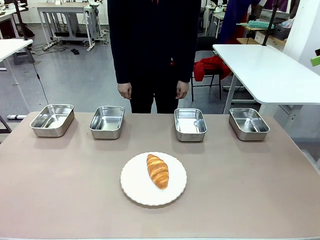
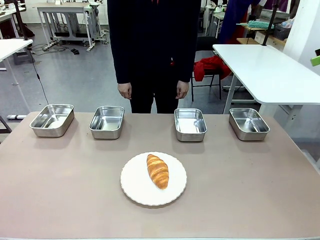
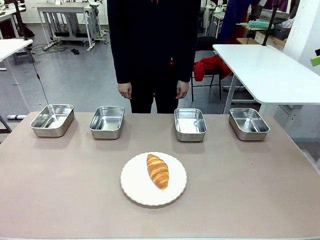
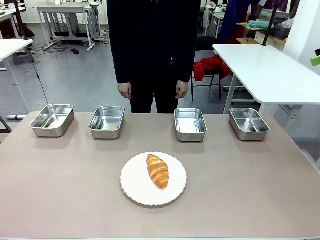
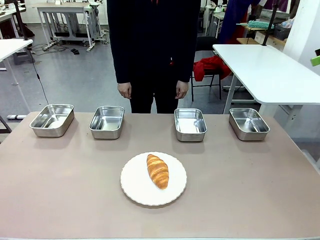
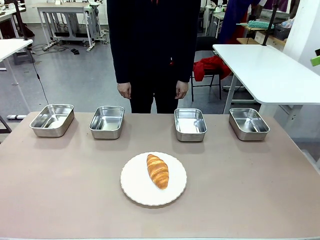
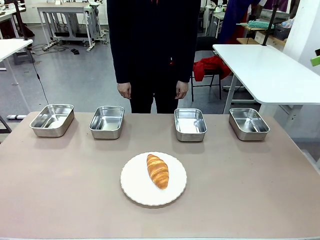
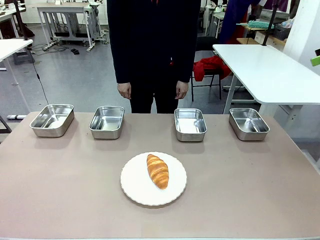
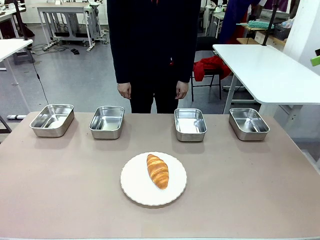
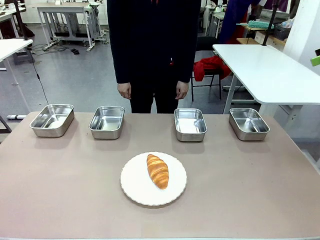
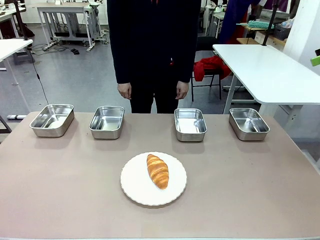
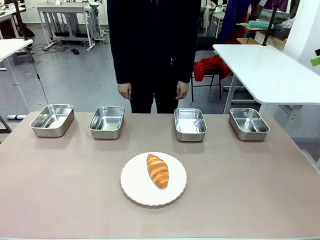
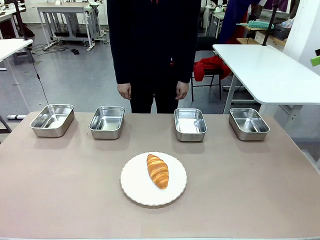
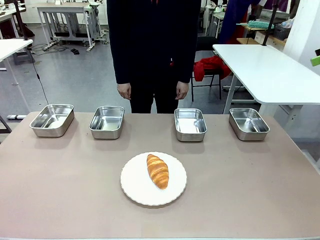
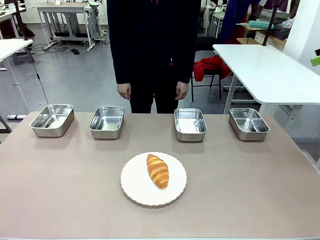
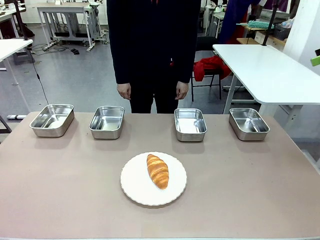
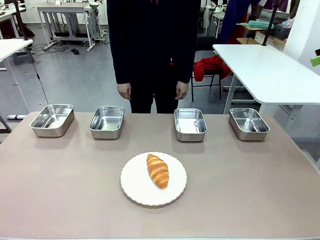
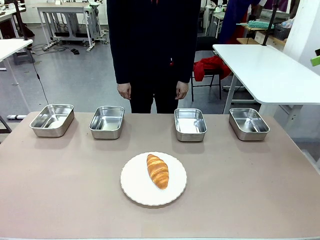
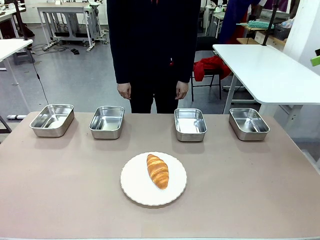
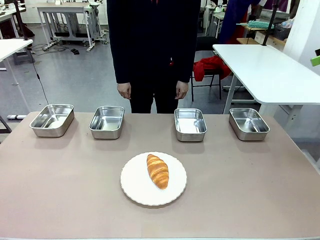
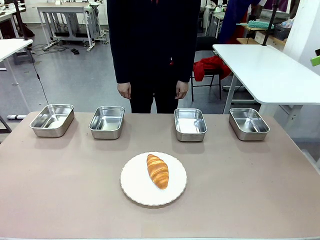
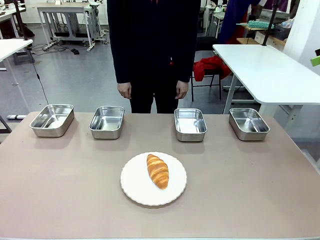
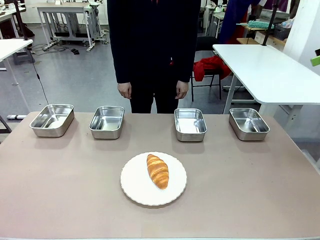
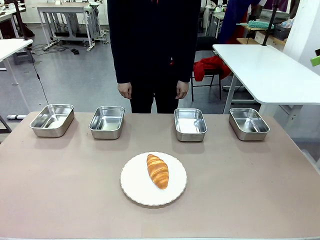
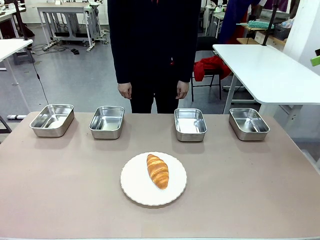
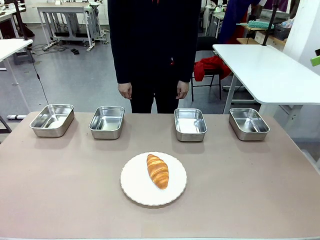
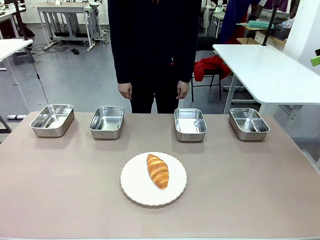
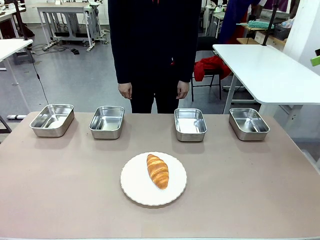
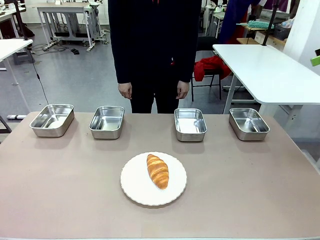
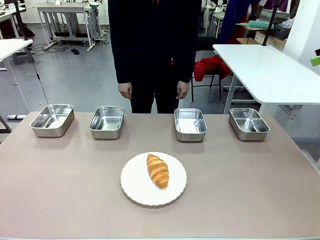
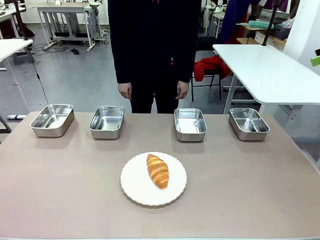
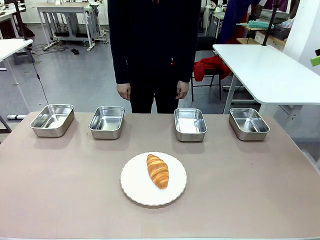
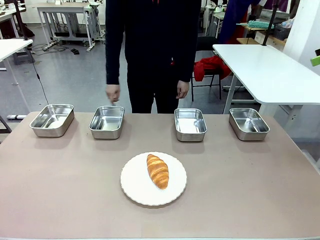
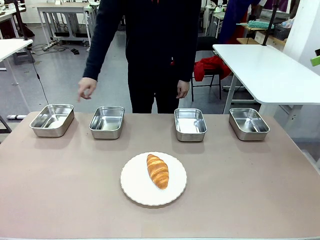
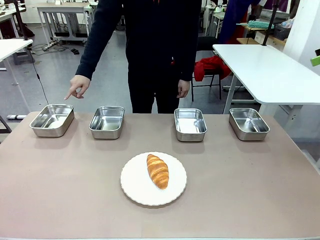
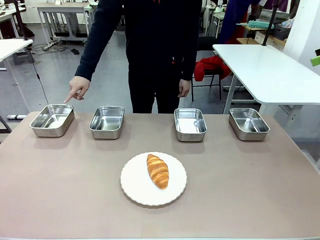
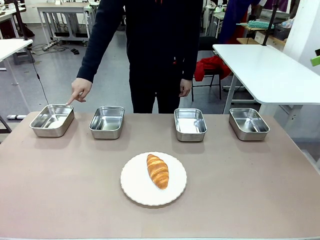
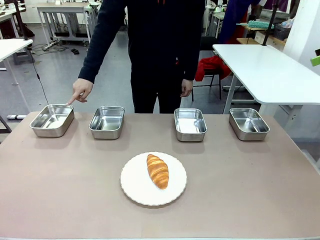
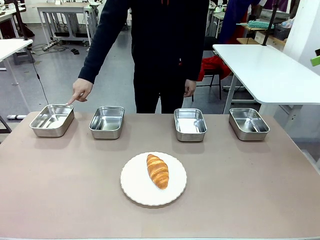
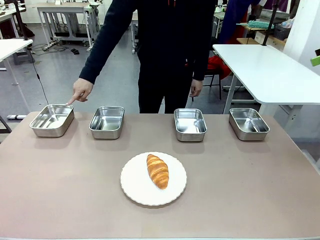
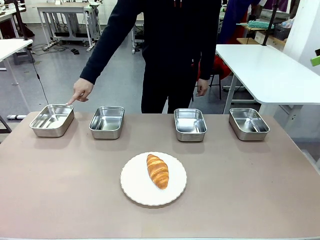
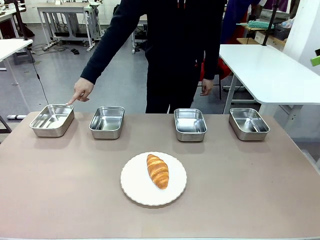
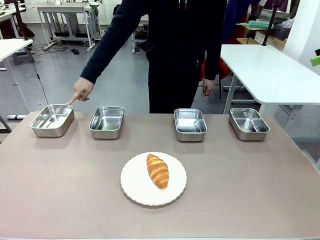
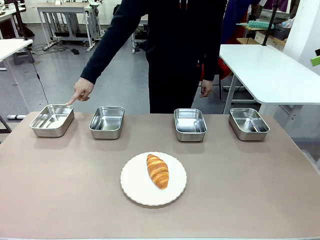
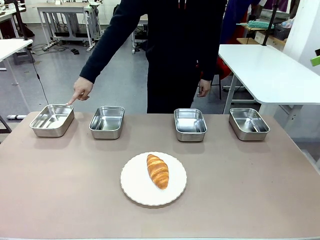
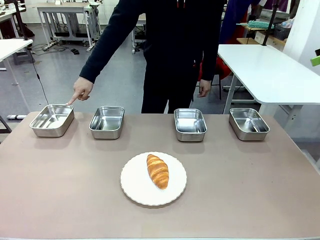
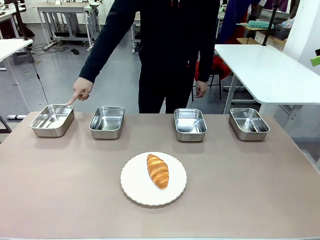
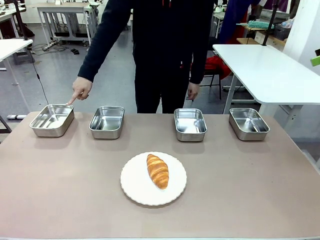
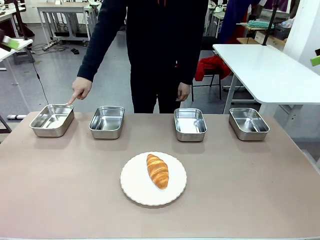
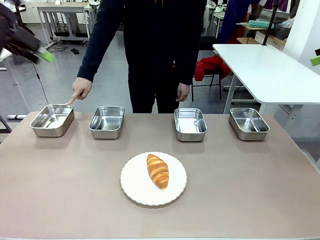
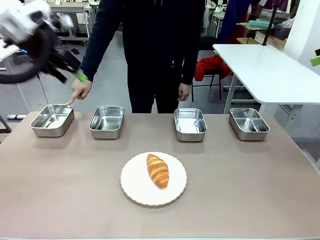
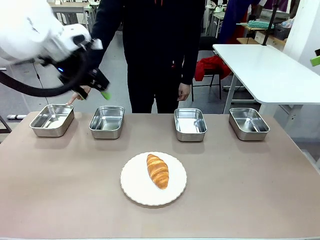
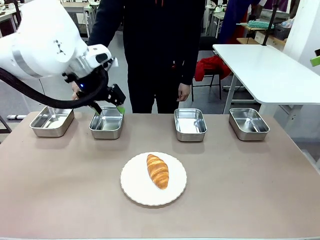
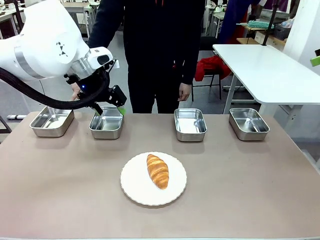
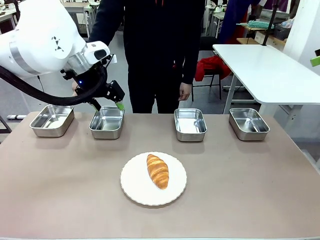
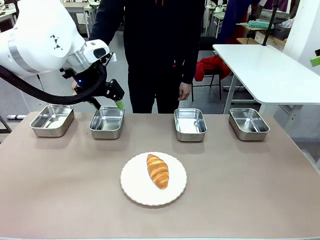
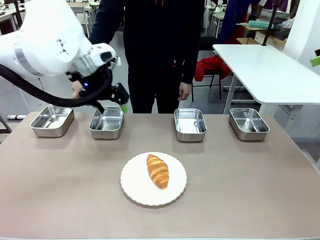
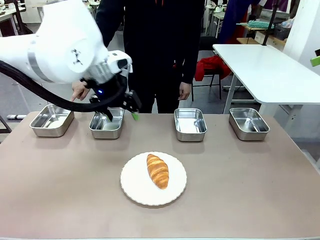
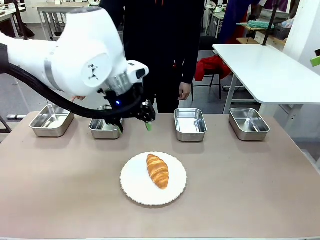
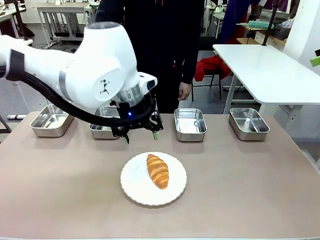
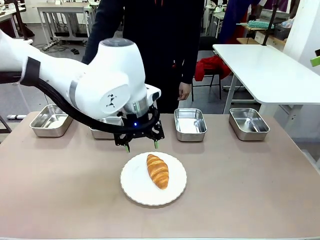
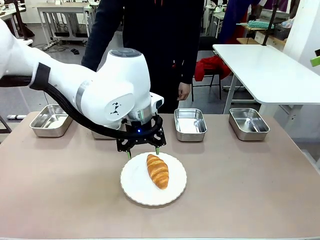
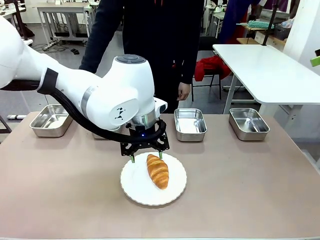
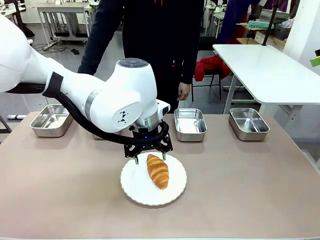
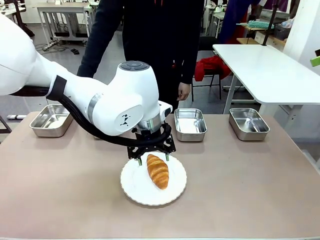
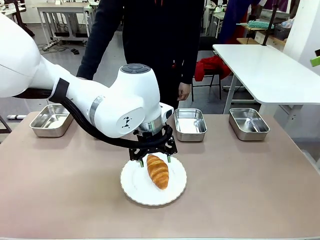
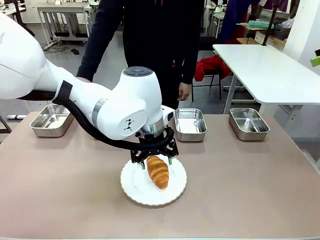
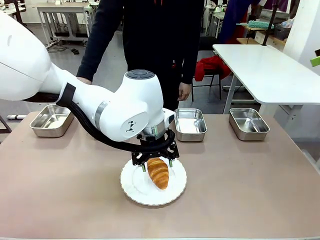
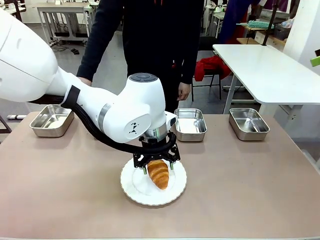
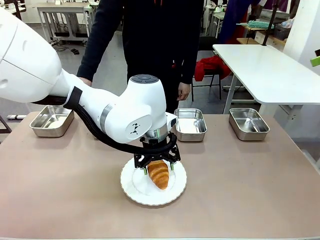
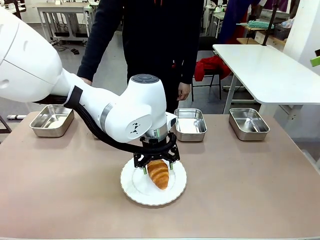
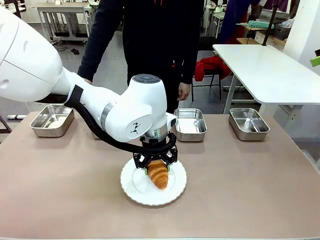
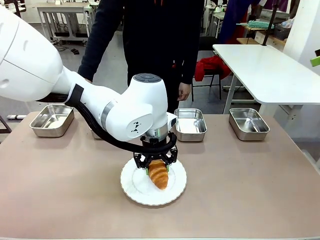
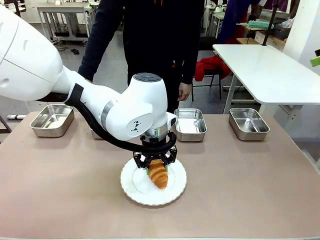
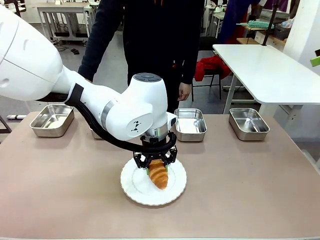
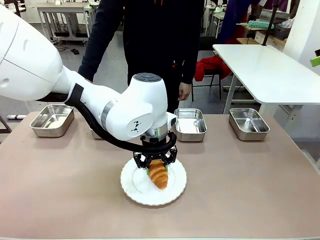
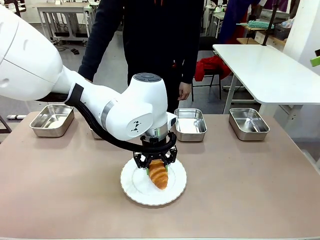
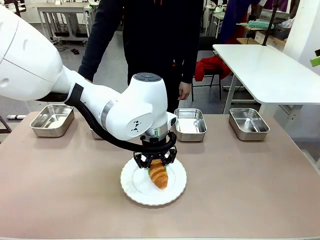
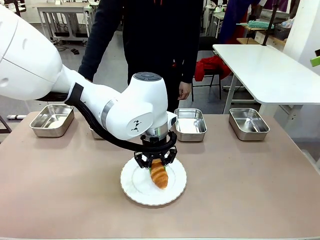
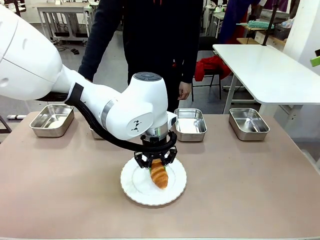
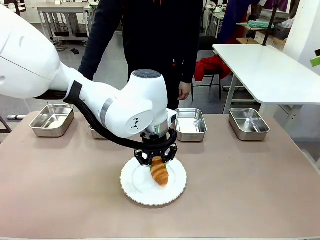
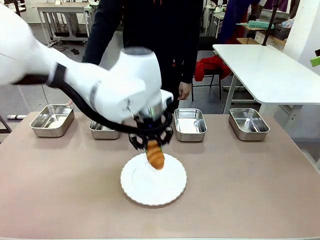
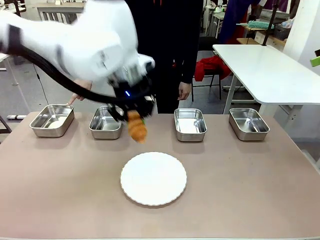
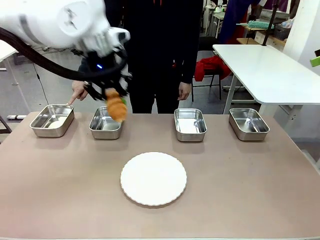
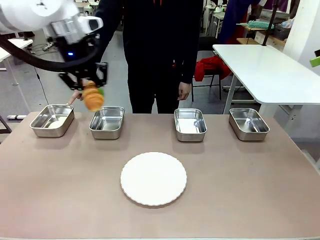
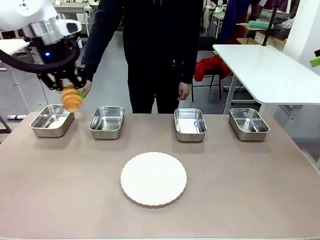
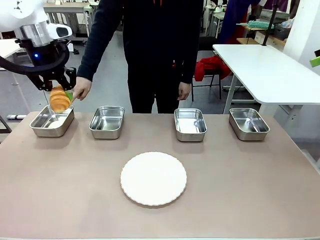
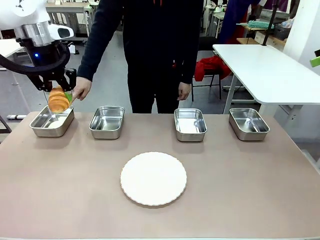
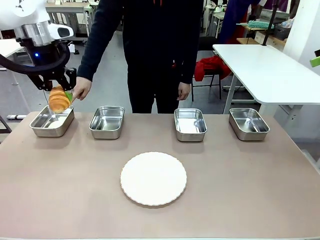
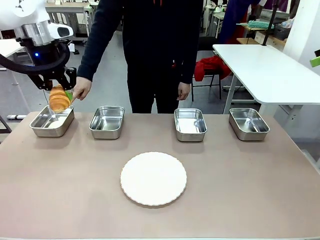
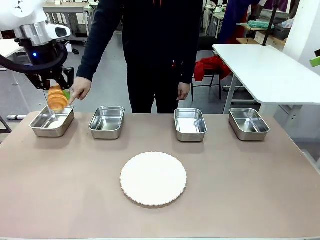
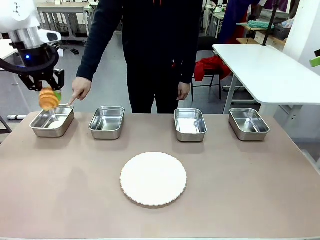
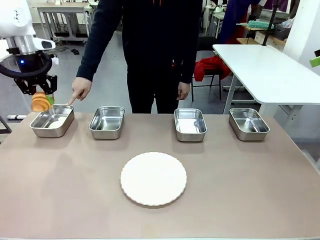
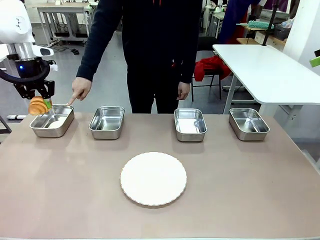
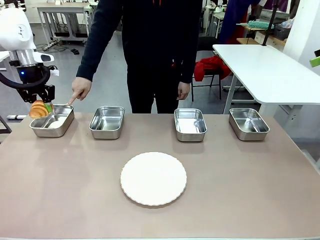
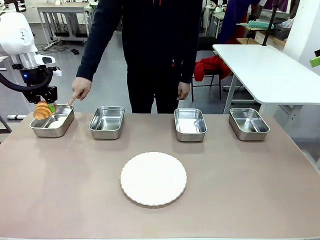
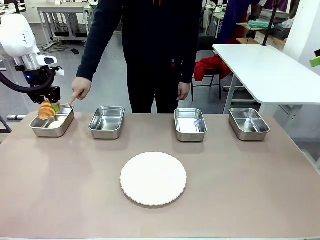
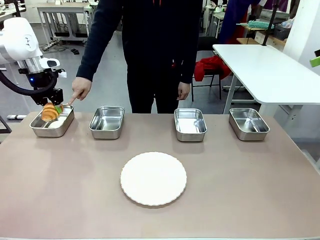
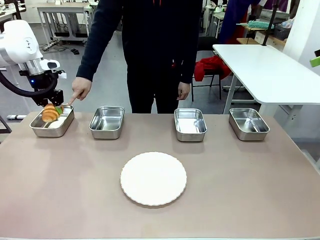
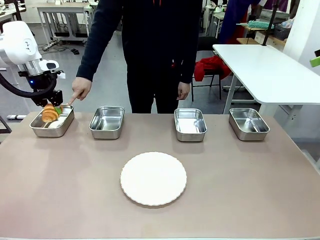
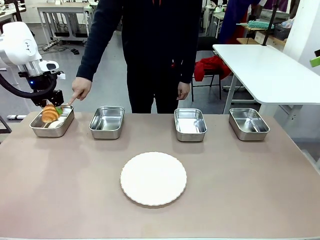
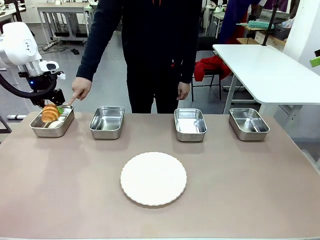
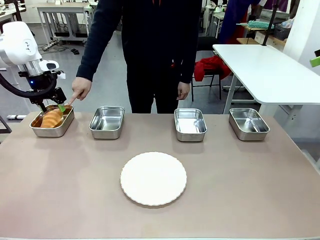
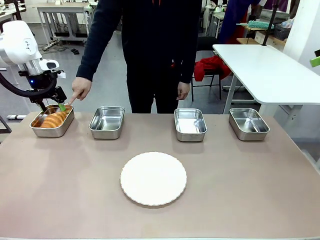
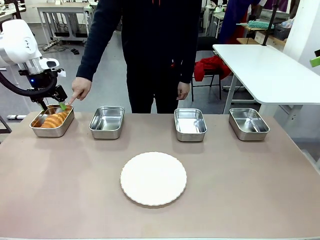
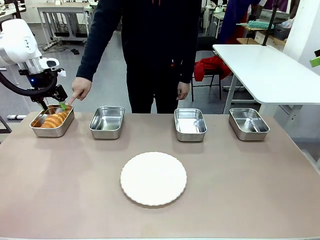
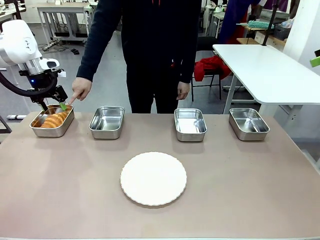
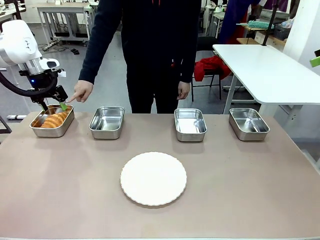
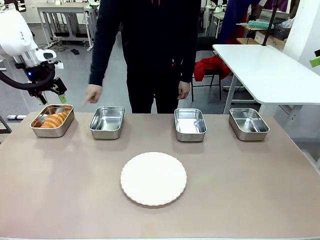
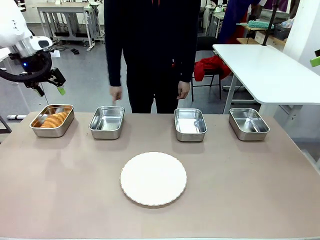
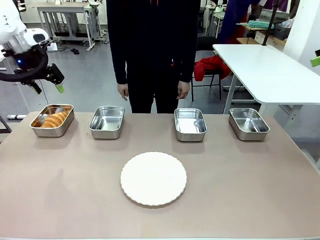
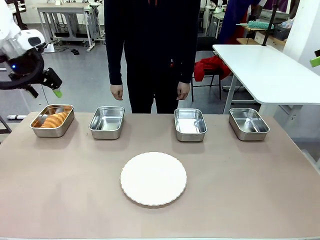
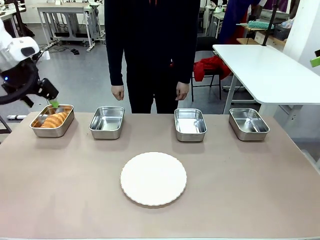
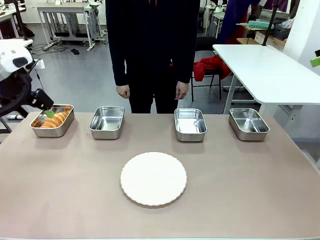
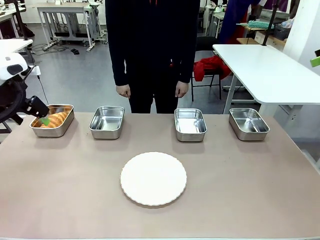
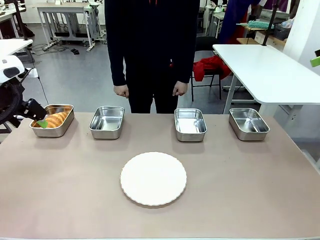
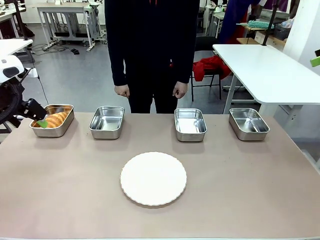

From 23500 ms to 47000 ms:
Task: Place the bread in the container.
Robot: Place the Butter Roll into the Airtight Container indicated by the human.
